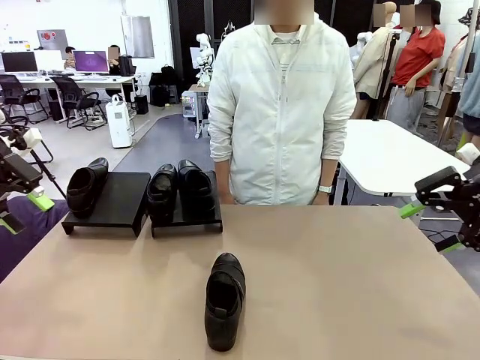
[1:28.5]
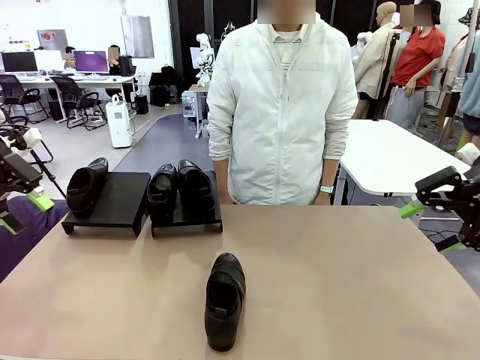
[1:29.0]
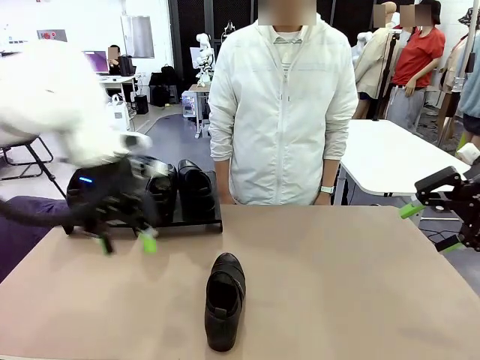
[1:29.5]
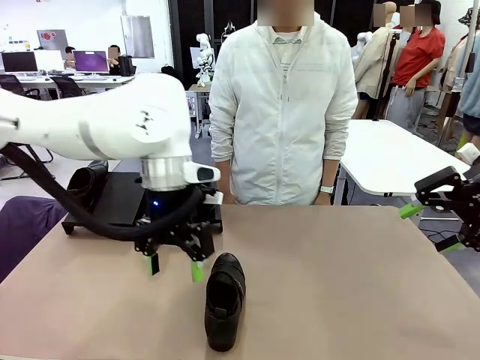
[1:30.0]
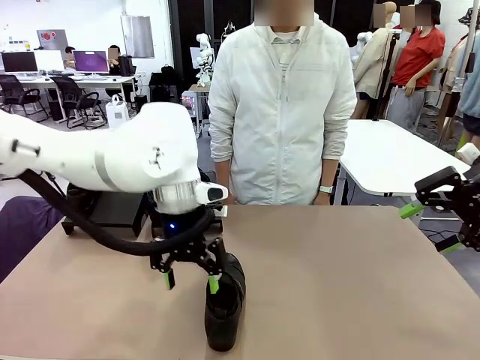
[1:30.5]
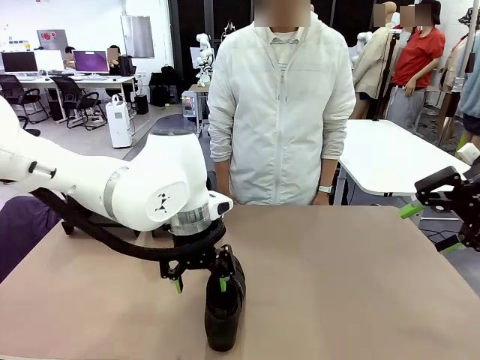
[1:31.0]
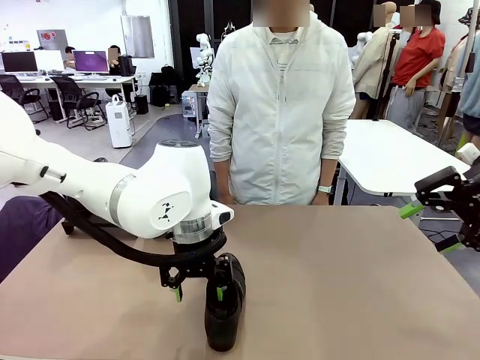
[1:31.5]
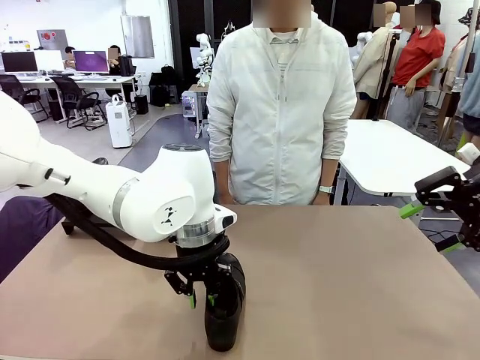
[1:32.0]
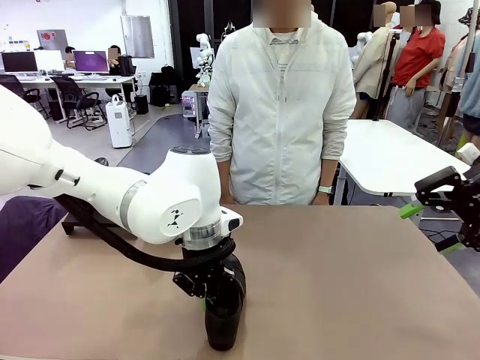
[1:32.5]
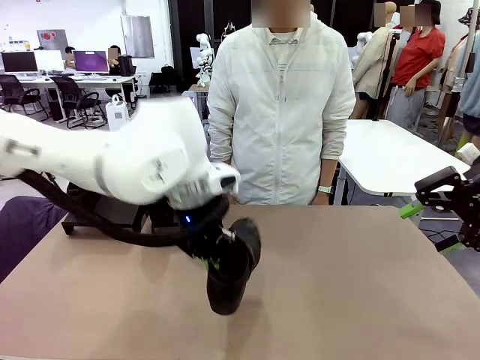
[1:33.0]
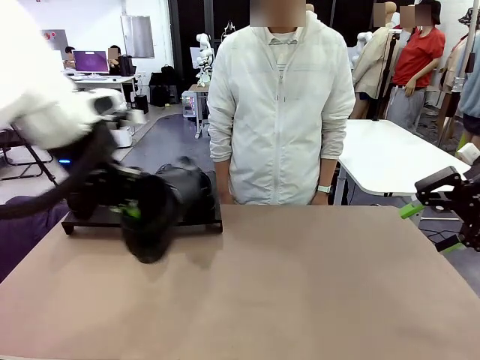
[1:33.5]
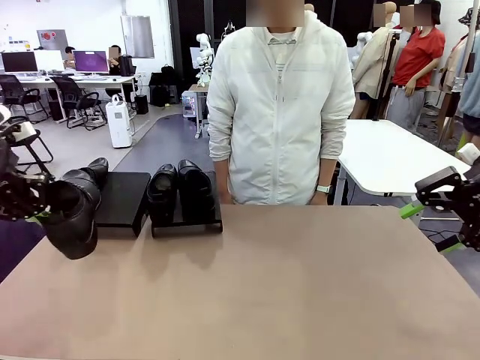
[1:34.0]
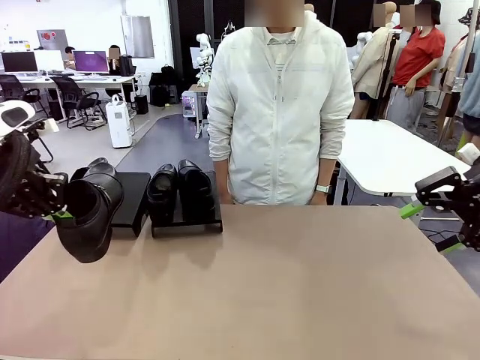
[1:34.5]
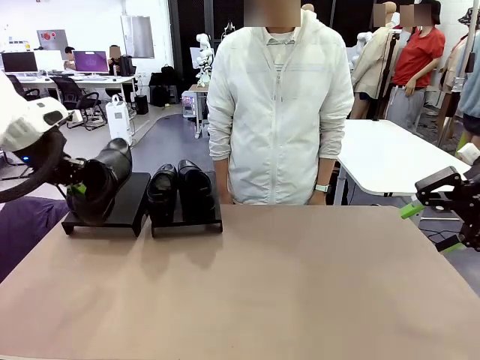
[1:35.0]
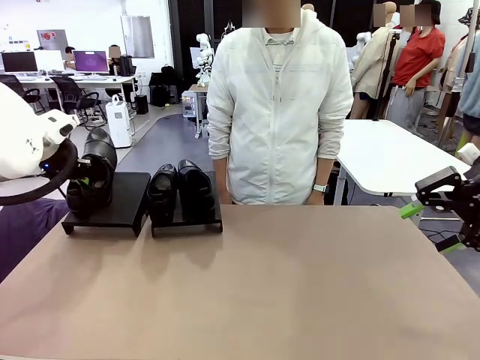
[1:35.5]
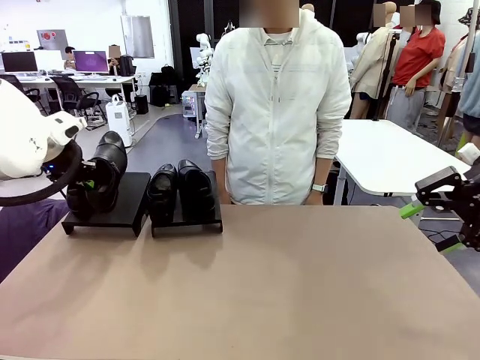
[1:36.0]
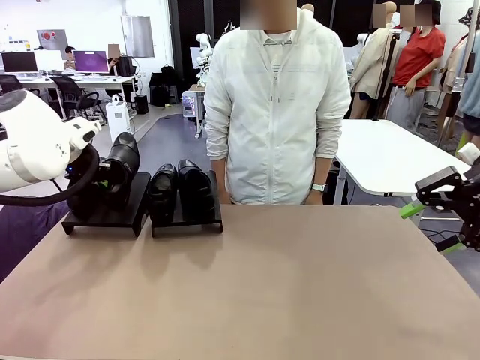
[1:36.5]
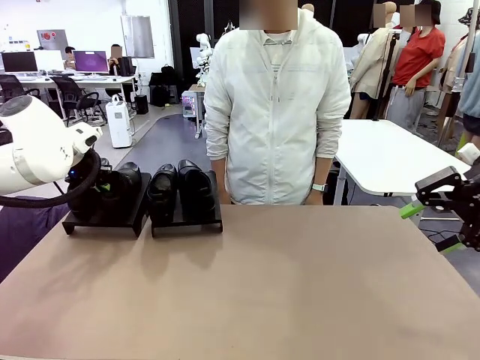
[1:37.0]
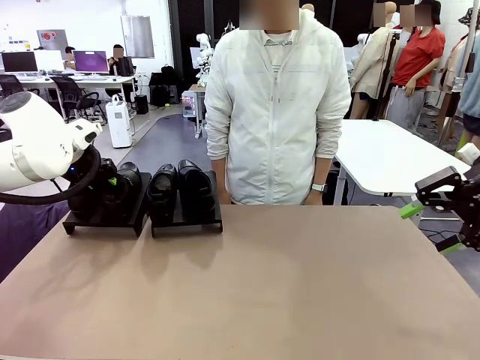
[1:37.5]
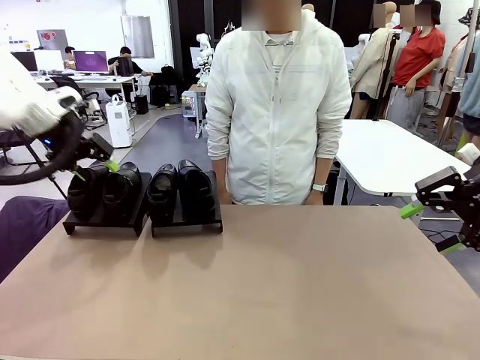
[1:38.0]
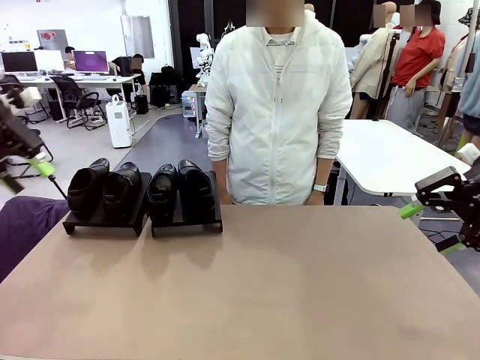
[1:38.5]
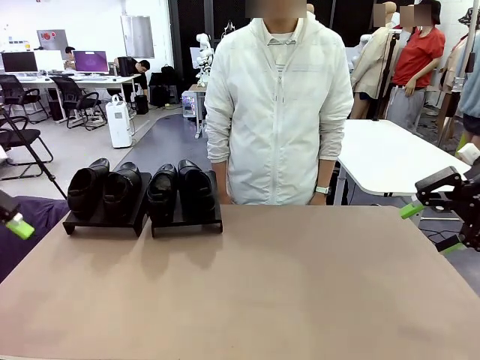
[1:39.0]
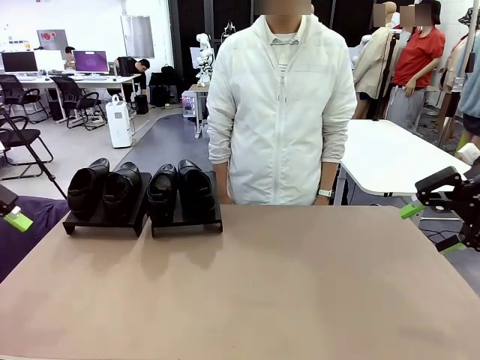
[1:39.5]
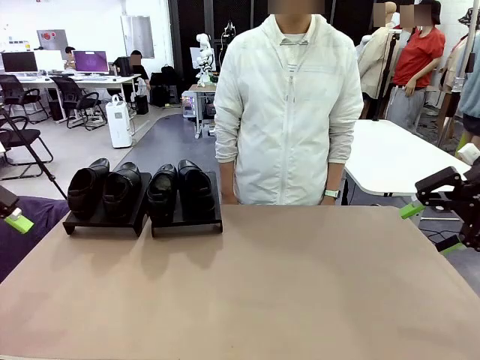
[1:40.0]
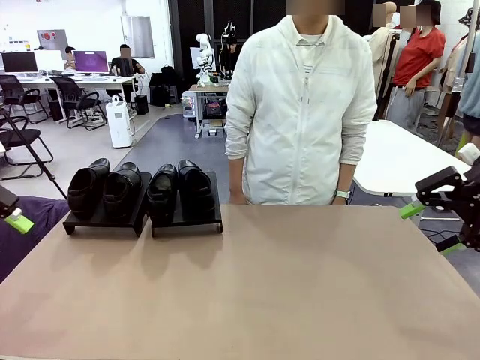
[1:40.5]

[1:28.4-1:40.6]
Task: Organize the shoes by placing them on the stand.
Robot: Place the Shoe from the middle of the table onto the Shoes Stand.

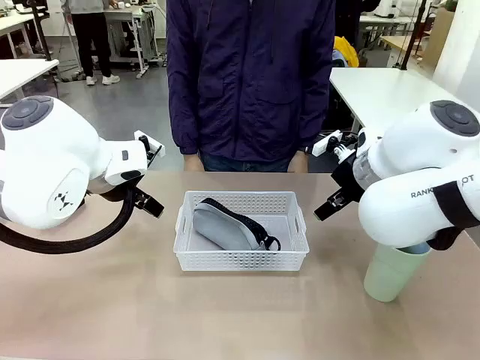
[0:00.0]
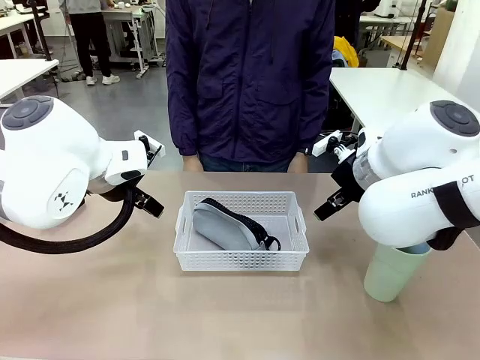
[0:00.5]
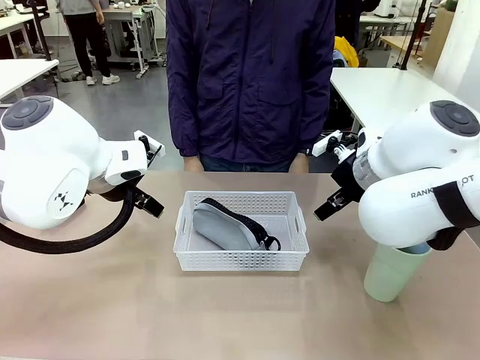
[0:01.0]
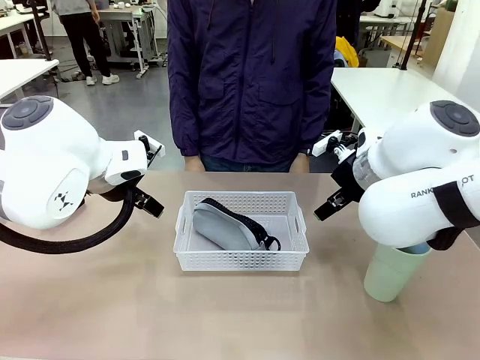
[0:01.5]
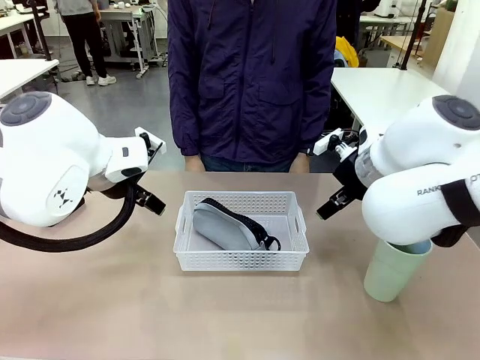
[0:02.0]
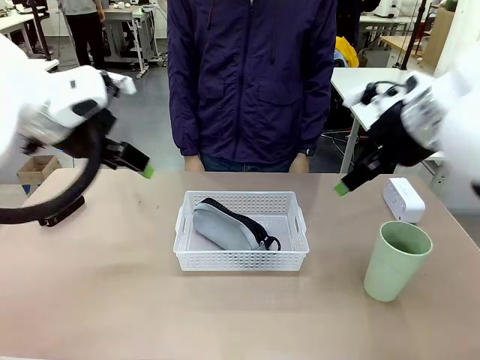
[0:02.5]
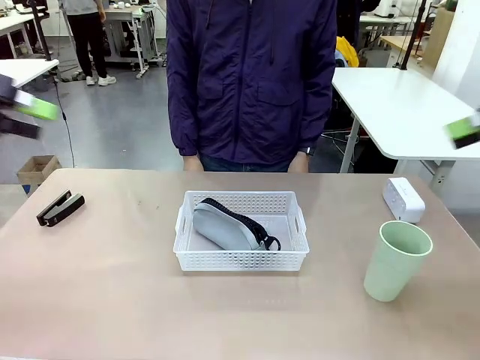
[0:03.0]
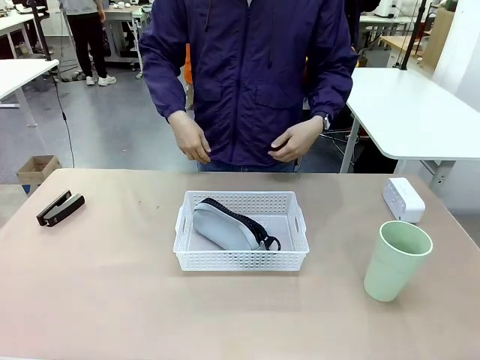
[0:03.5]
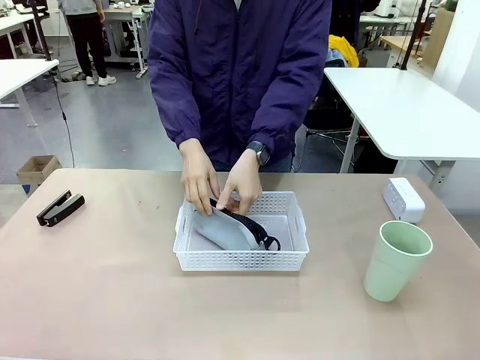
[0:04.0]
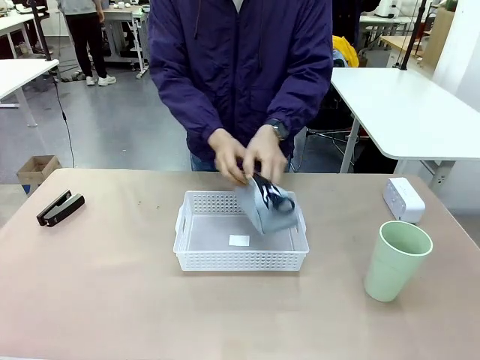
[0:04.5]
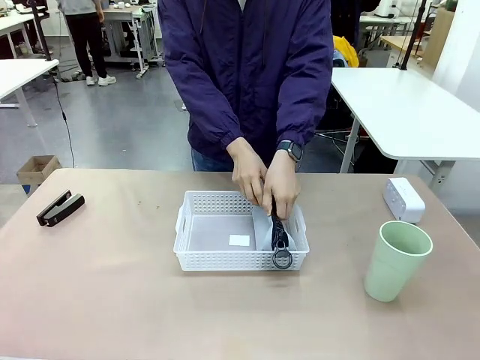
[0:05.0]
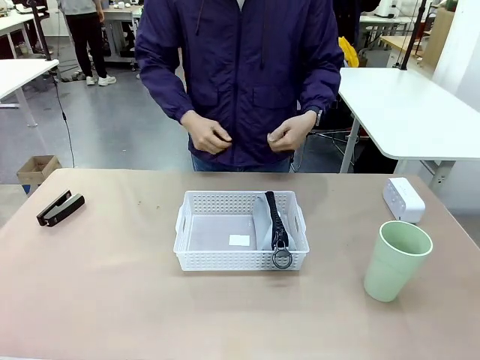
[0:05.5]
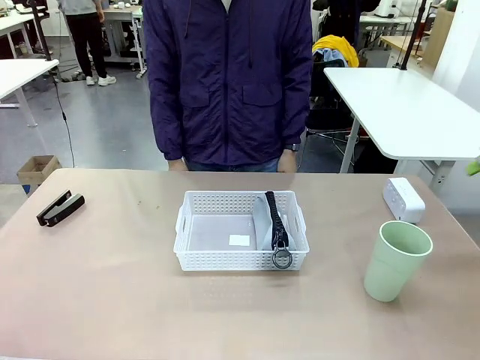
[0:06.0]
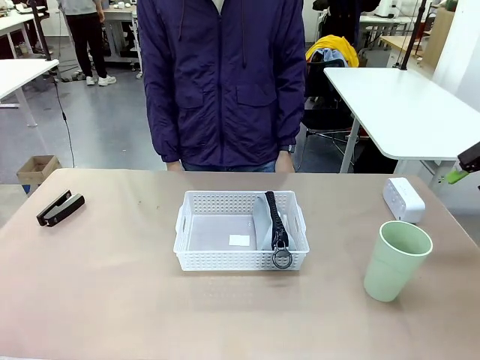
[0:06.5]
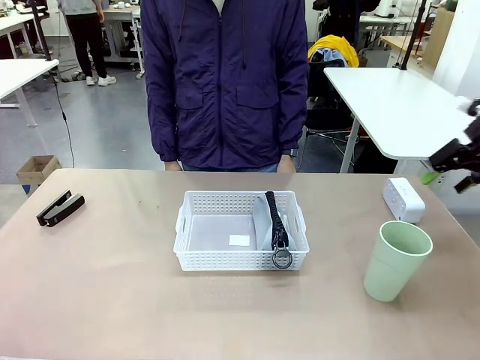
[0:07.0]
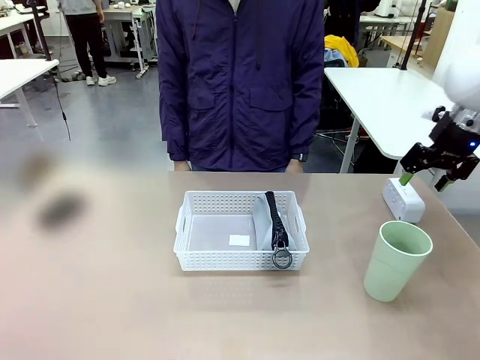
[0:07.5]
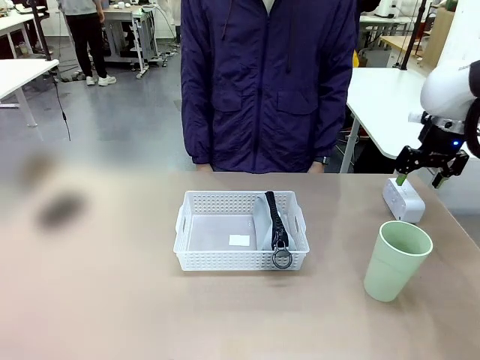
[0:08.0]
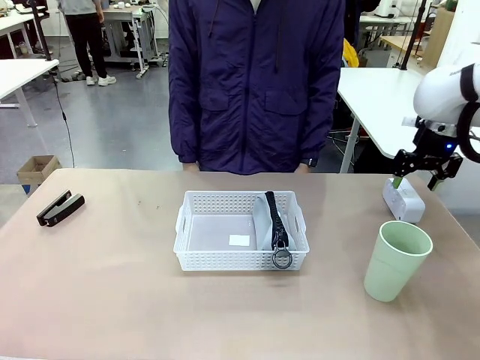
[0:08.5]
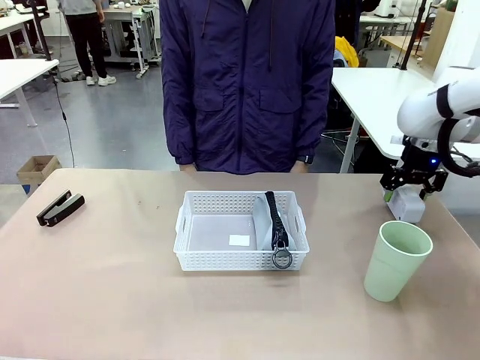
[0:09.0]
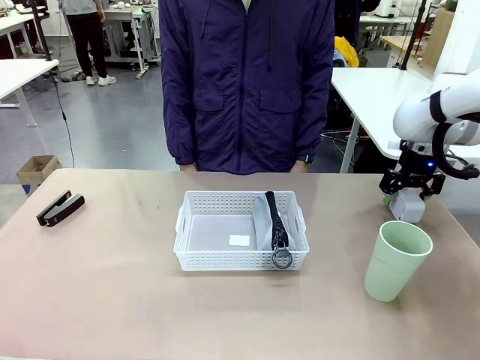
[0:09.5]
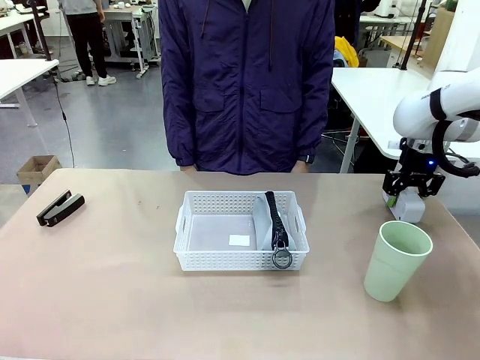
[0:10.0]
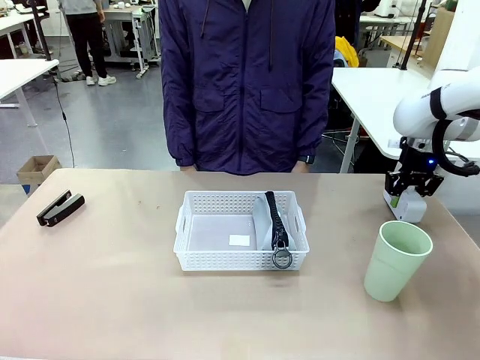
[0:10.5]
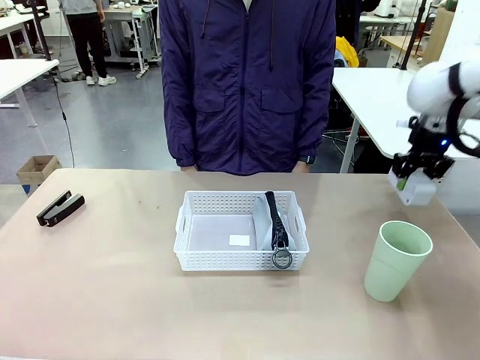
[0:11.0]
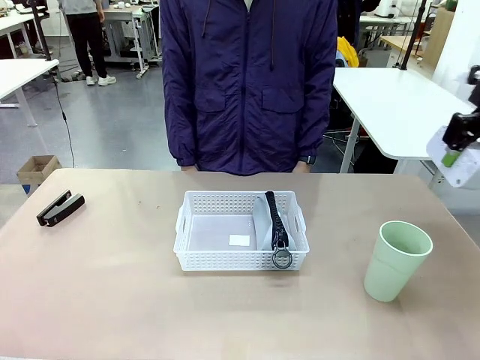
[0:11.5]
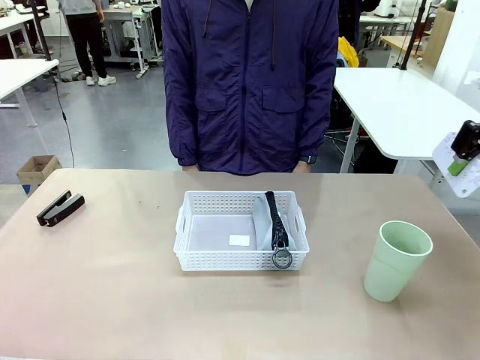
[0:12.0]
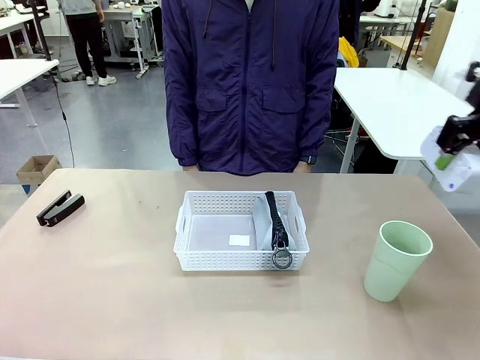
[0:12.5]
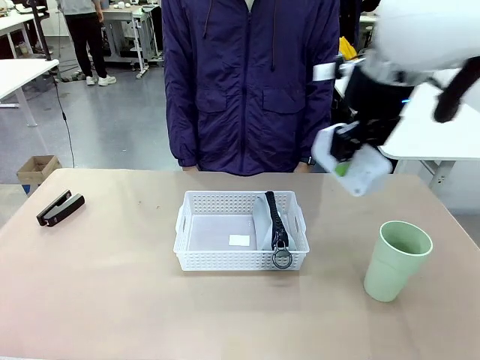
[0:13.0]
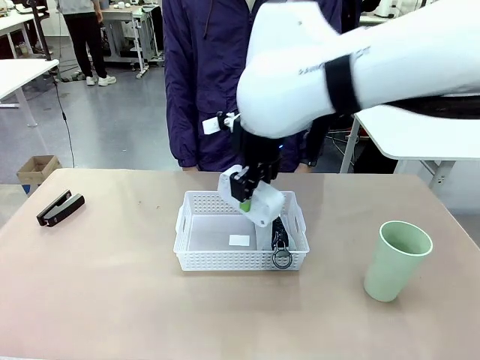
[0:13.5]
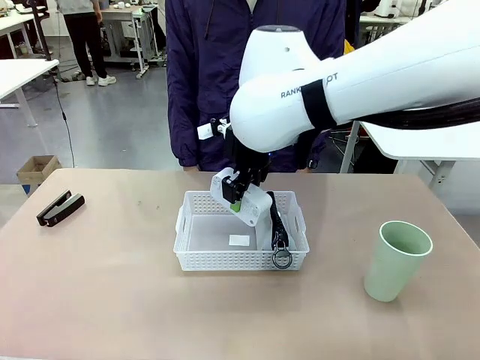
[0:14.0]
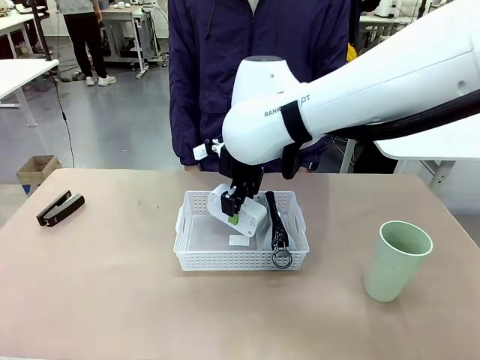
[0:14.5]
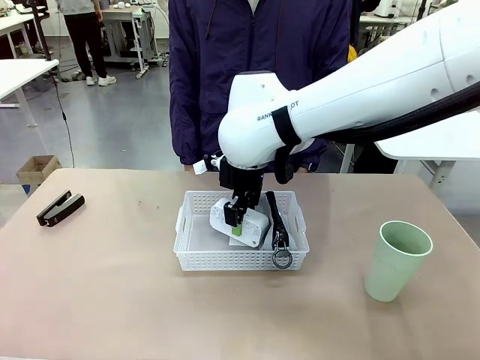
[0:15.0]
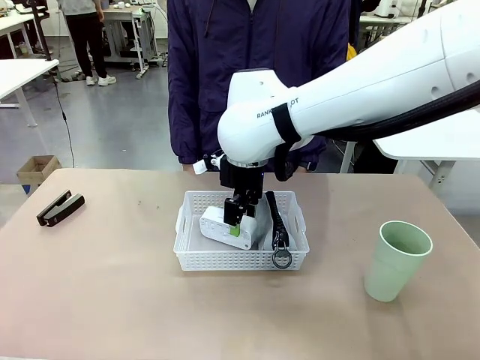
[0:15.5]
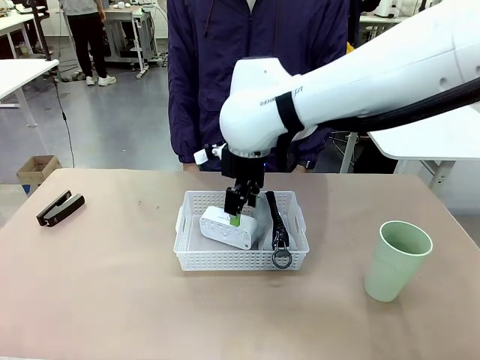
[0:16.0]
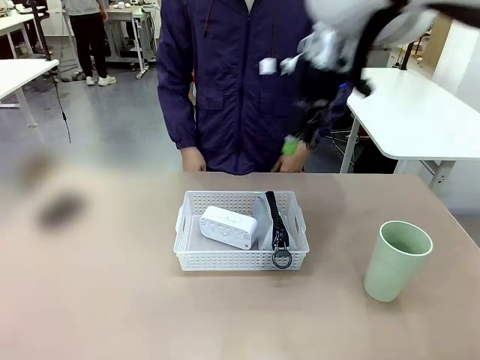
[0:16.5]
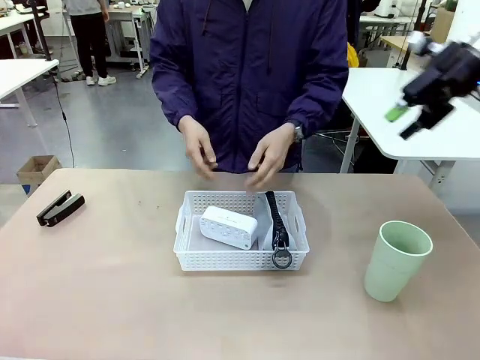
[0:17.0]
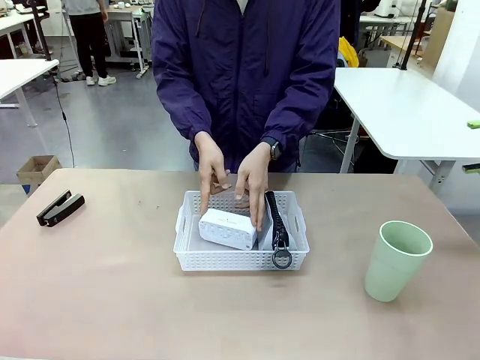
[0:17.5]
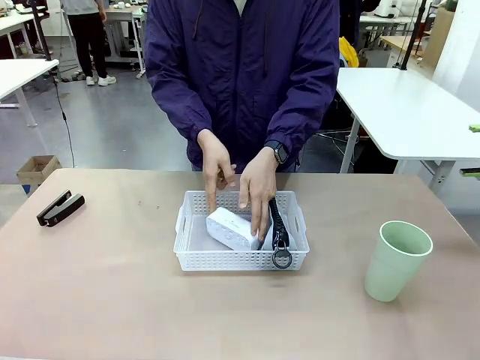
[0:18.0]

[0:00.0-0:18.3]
Task: Efficiently arrange items inside the basket to fit them all.
Robot: Pick up the Digital clock and place it inside the Organizing basket.
Person: Repositions the pencil case. Repositions the digital clock.
